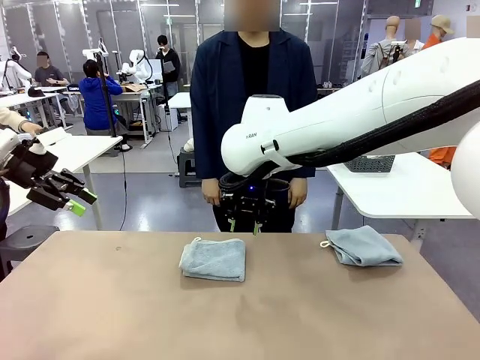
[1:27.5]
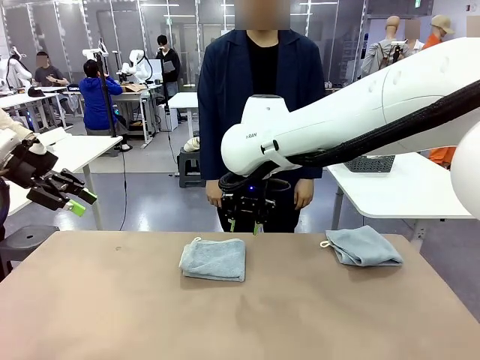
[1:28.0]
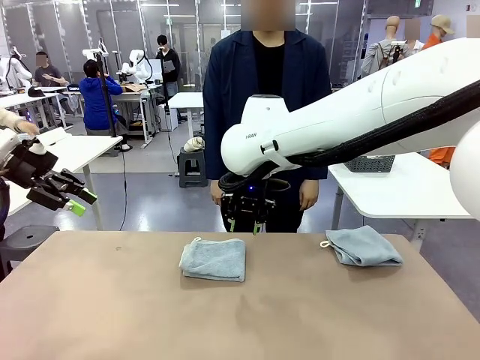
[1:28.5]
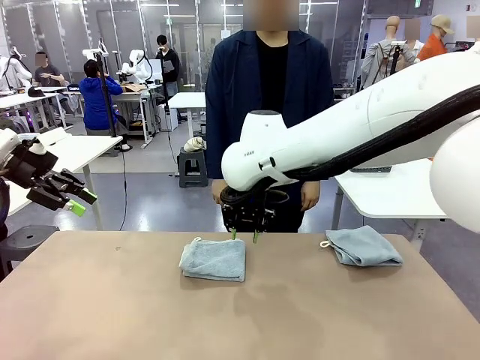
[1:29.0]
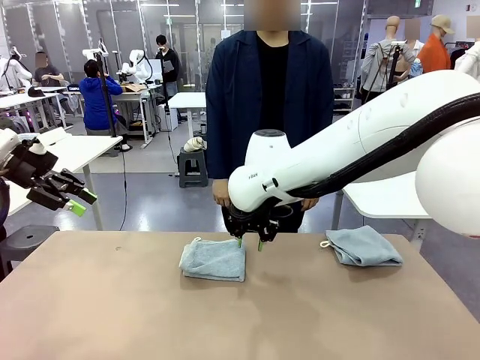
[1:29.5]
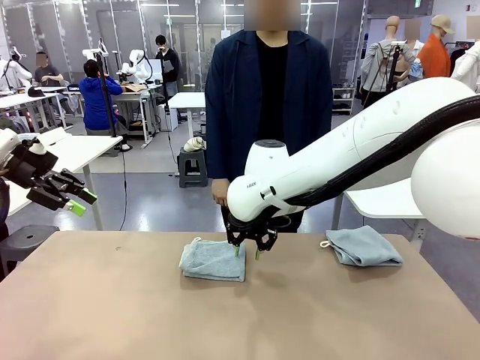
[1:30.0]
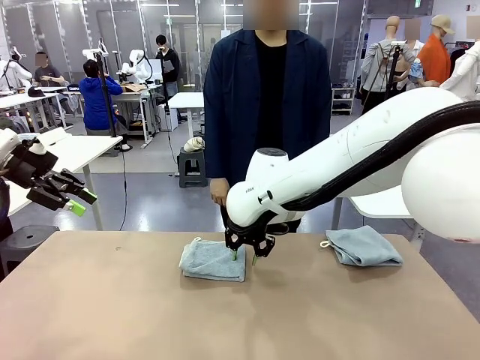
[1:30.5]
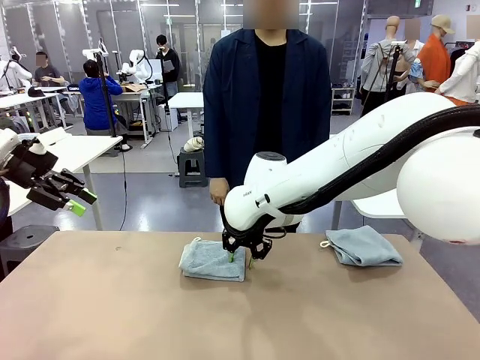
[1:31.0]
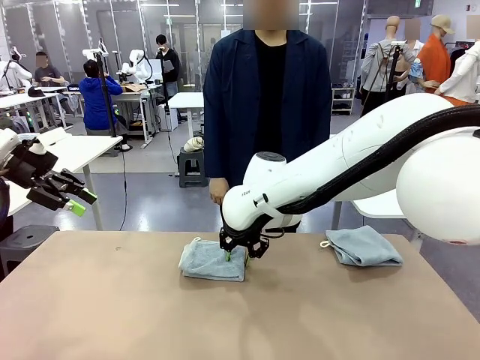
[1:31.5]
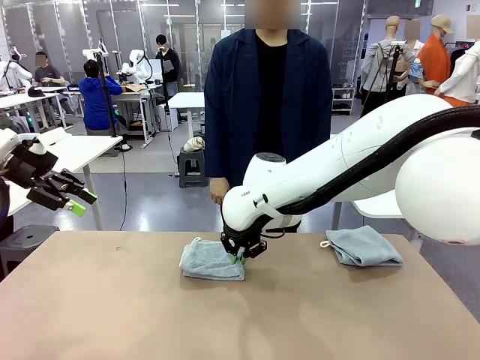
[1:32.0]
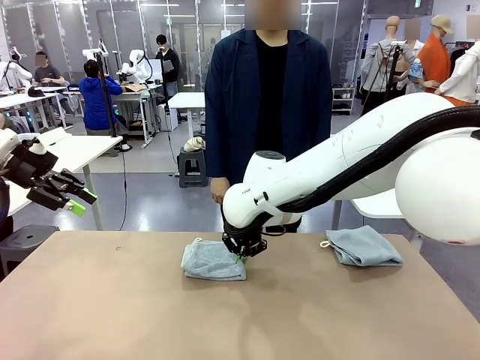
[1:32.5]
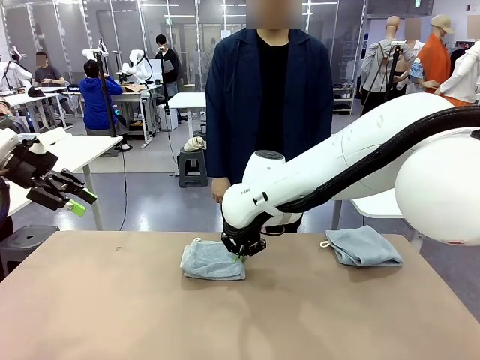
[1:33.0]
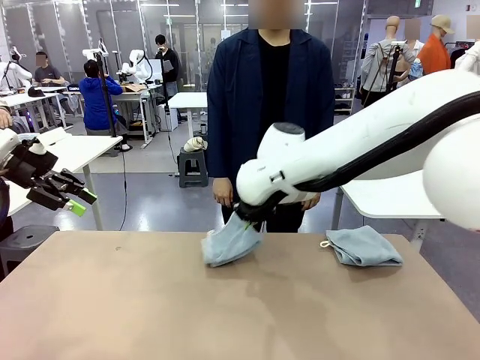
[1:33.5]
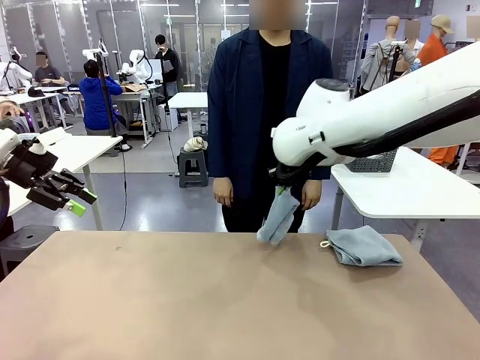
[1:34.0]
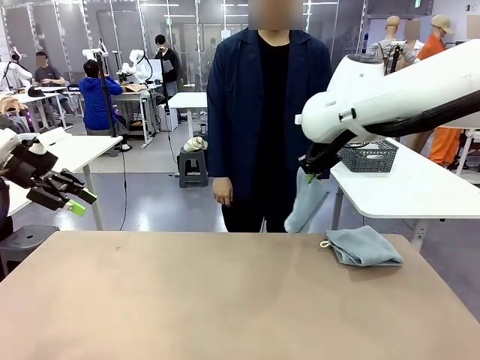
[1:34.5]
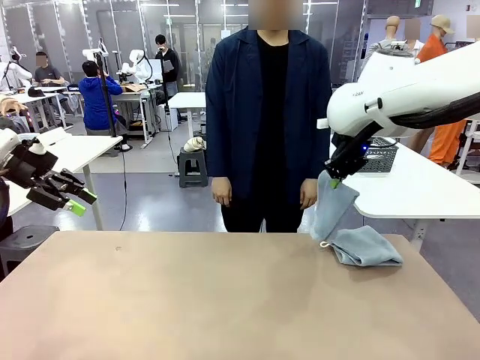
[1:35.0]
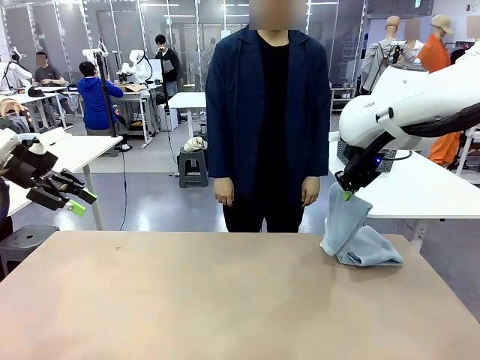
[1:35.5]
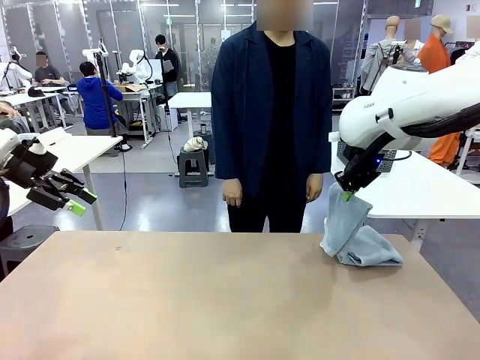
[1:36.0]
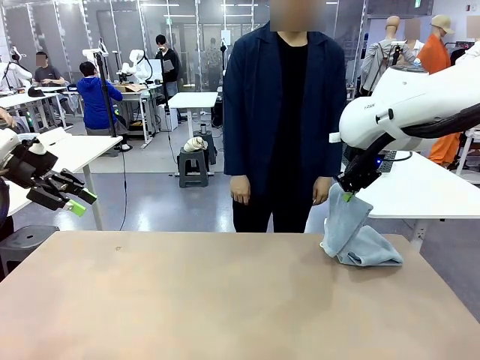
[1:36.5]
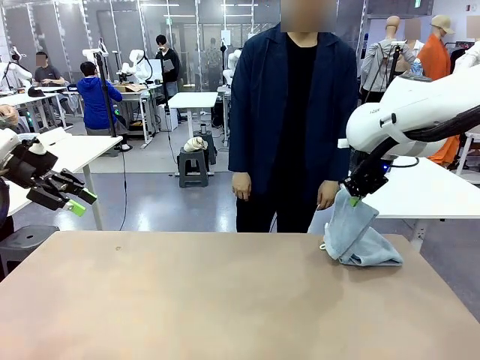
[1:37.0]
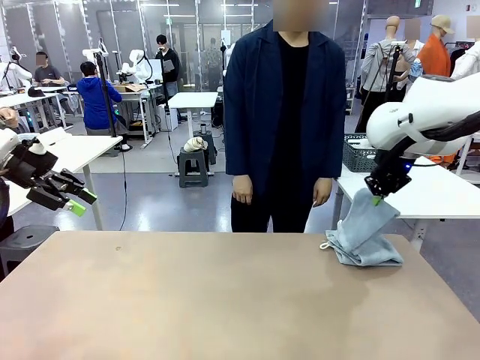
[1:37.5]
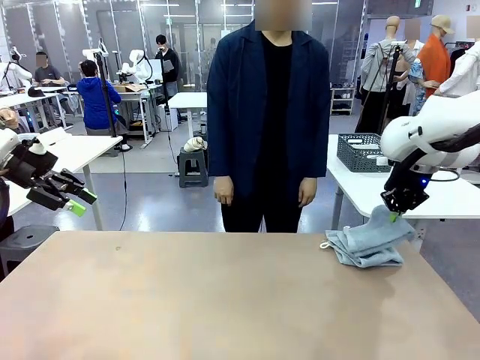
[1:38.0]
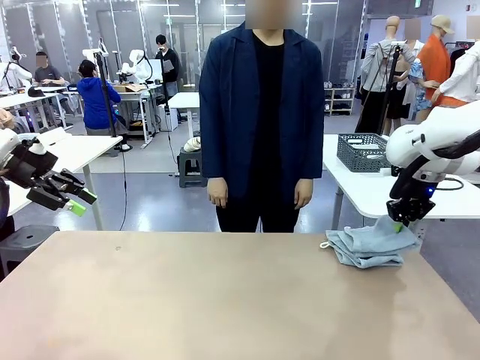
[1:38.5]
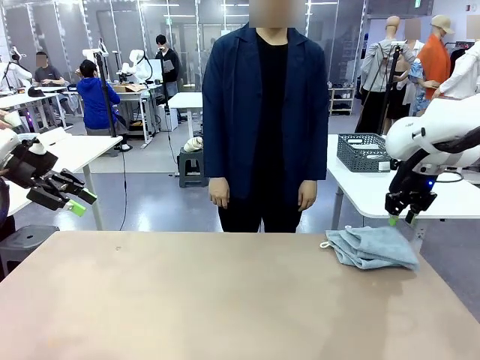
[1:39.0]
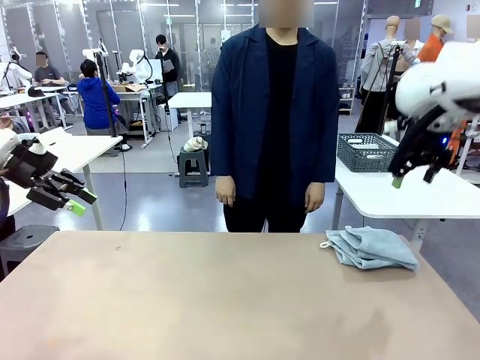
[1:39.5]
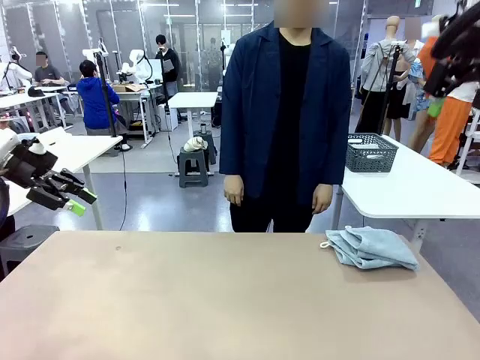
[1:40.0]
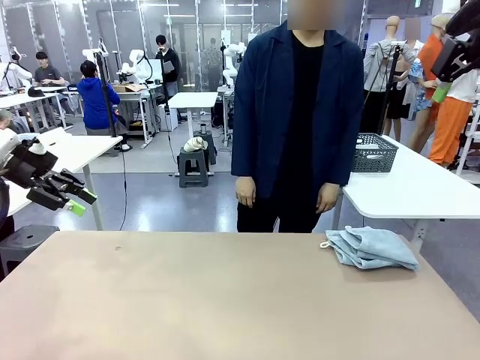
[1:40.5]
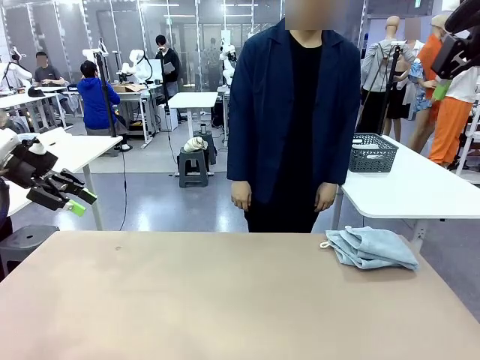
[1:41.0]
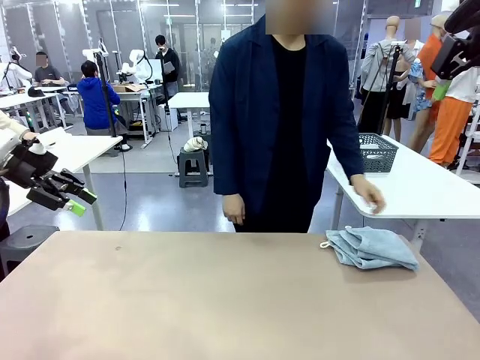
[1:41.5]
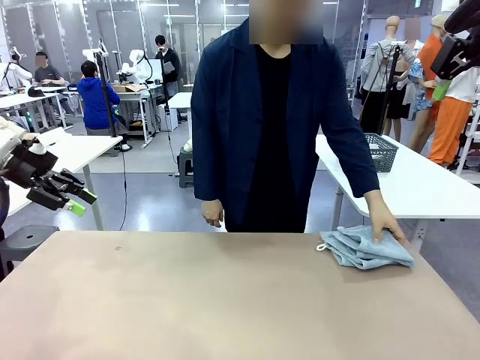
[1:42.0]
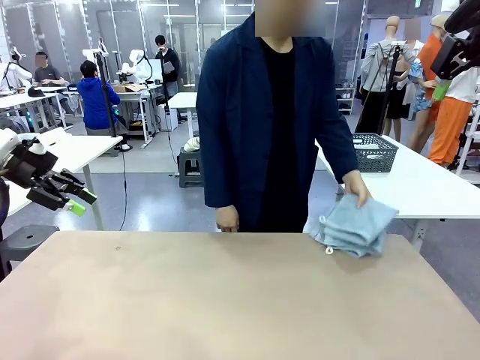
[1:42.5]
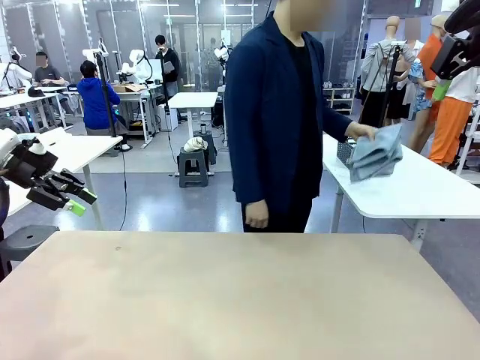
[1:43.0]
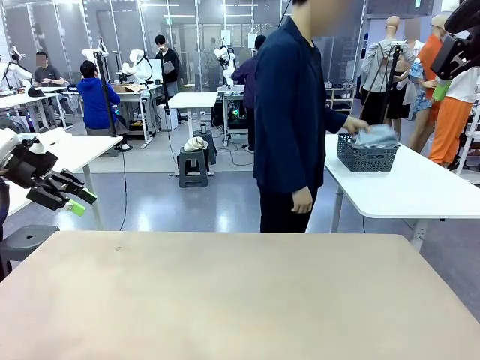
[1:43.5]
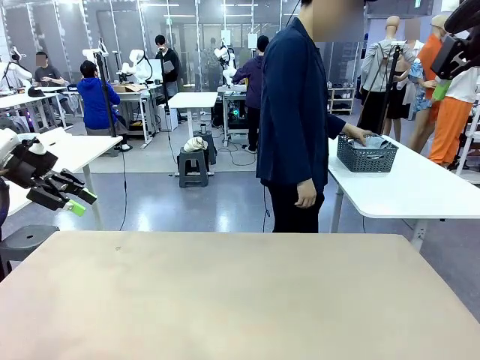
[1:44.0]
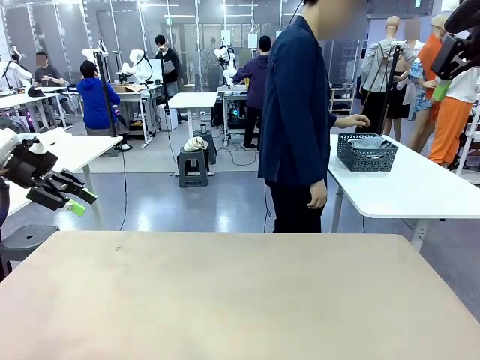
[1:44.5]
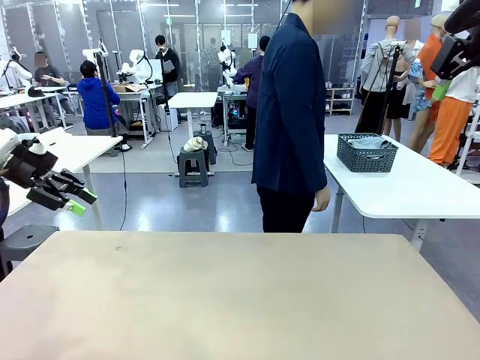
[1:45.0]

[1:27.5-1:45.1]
Task: Fold the towels and place them in the basket.
Robot: Stack the folded Towel with hook on the right side of the table.
Person: Pick up the stack of towels from the robot table and place it into the basket.
